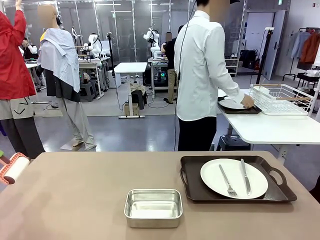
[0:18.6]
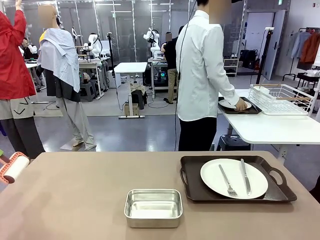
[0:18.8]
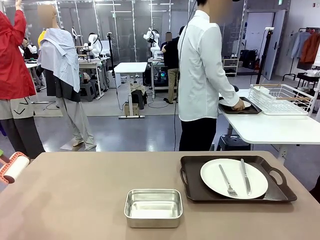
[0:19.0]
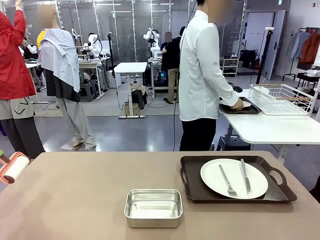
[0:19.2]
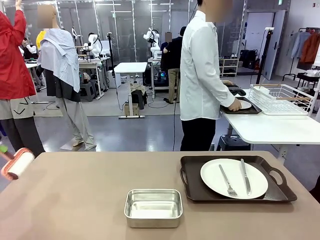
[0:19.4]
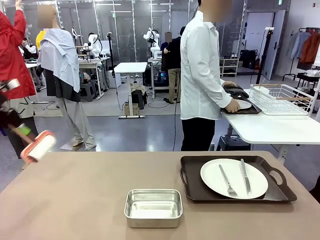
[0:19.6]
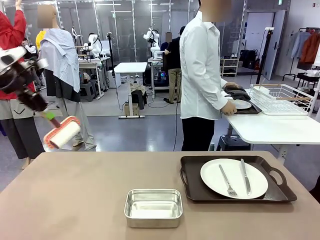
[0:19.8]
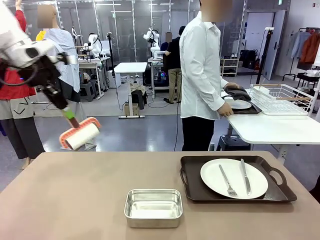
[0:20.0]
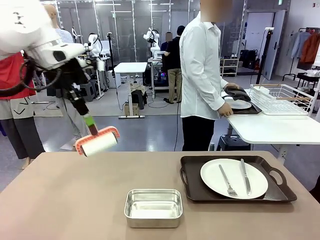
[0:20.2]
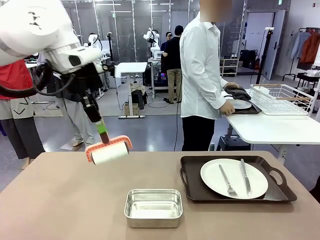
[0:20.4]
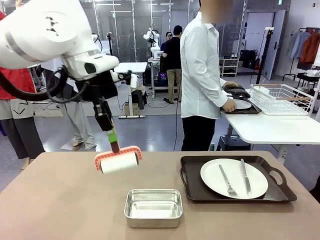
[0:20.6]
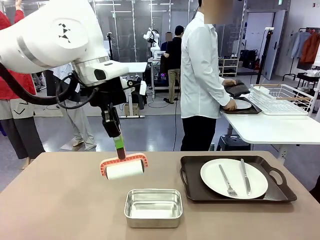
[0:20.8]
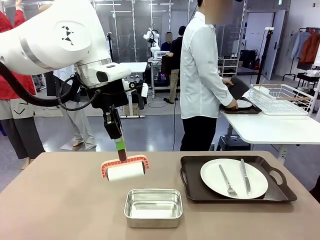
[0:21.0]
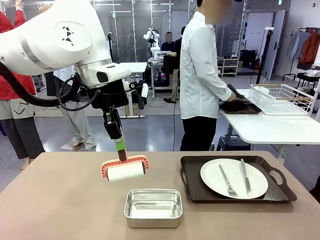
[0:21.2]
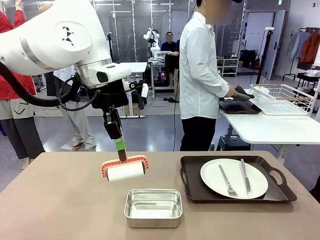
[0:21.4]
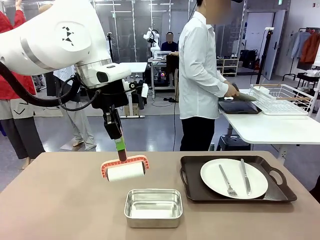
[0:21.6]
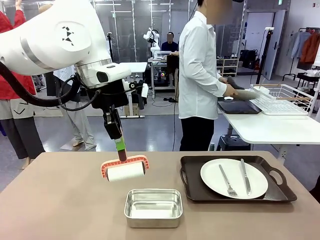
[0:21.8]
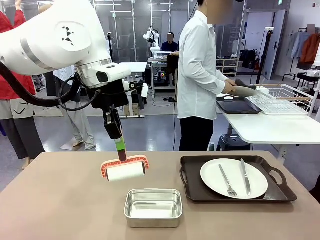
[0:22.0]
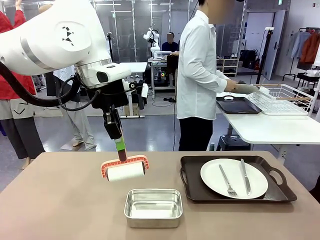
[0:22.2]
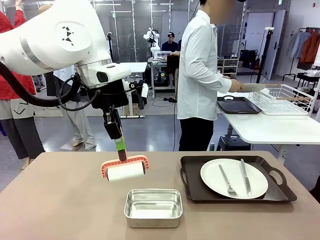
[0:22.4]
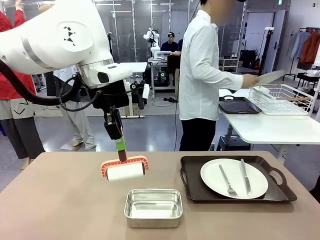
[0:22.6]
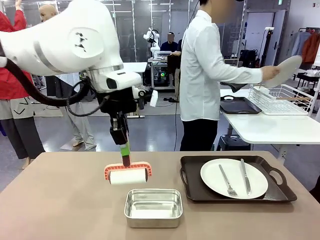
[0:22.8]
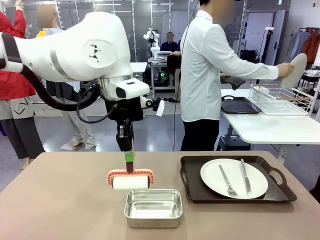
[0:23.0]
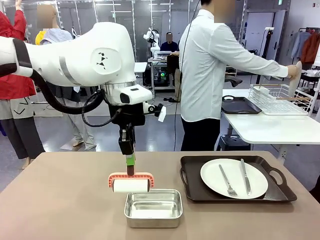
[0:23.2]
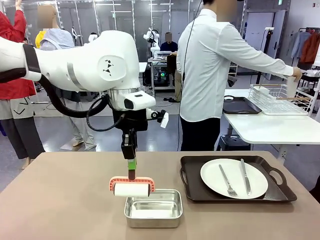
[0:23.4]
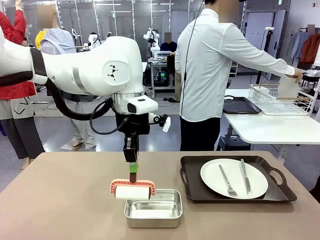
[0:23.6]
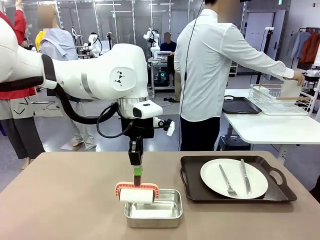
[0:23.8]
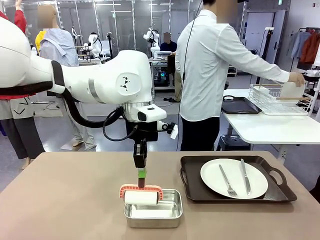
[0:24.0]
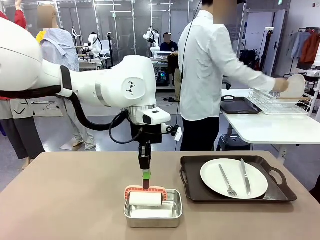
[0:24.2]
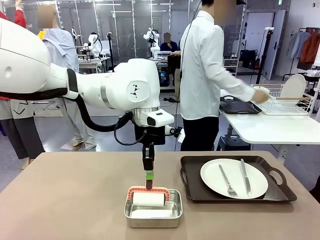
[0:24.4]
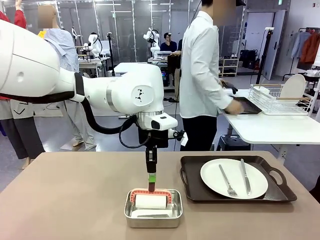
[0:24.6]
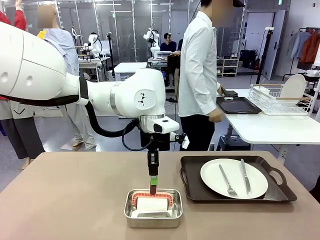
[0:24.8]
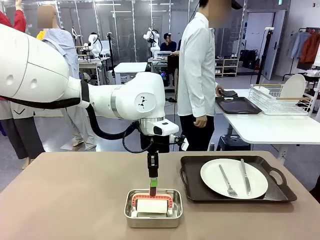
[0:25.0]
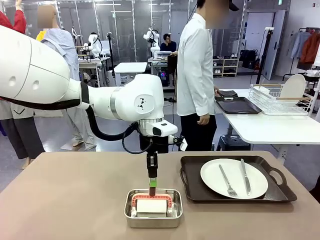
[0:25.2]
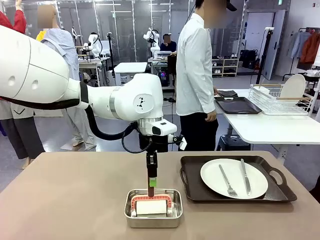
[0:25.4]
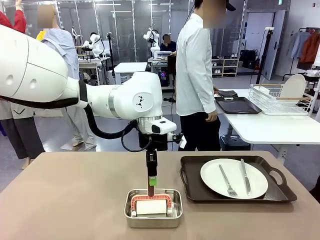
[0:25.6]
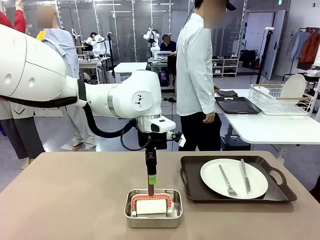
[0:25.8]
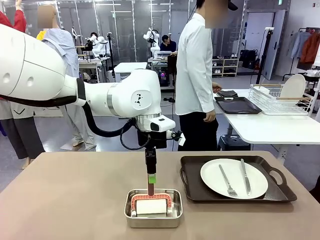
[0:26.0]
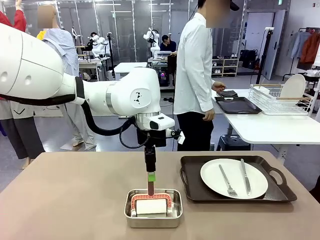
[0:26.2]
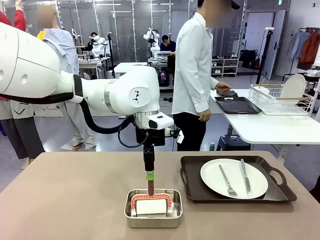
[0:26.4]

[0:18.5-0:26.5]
Robot: Place the Lint Roller back on top of the Airtight Container.
